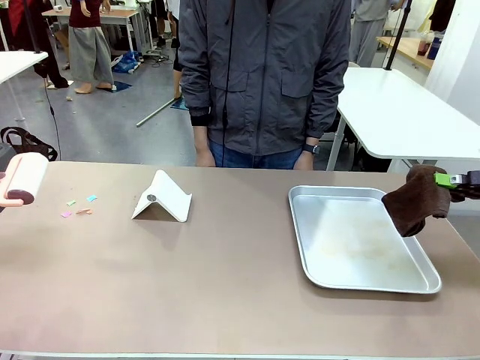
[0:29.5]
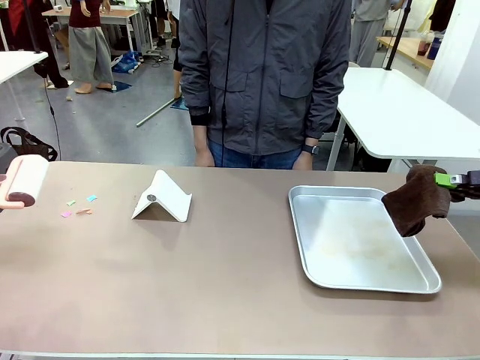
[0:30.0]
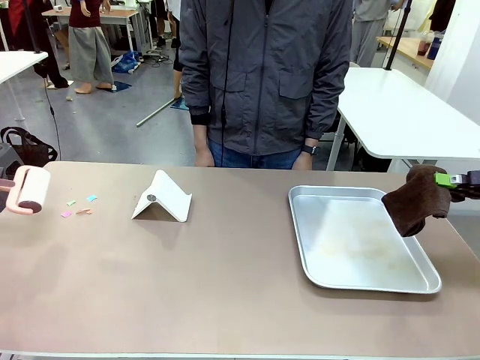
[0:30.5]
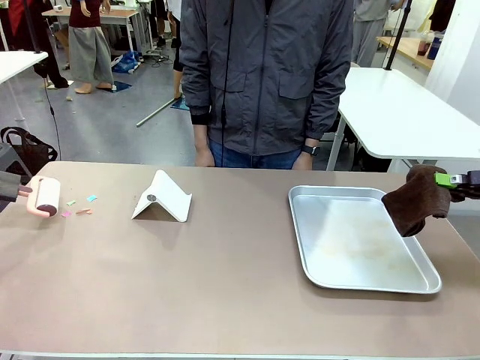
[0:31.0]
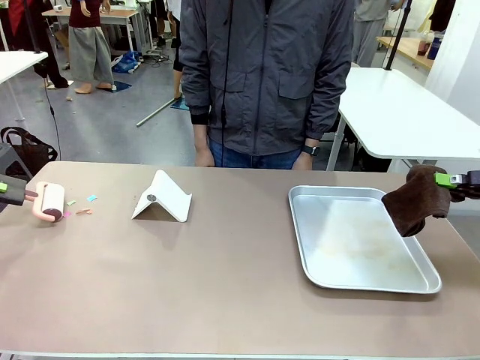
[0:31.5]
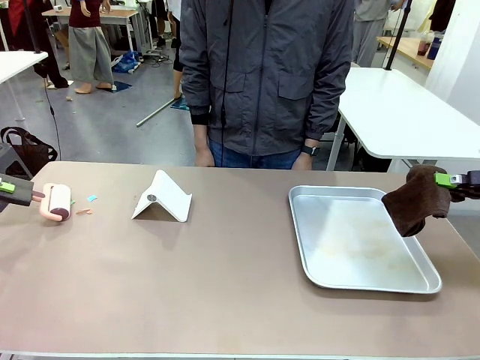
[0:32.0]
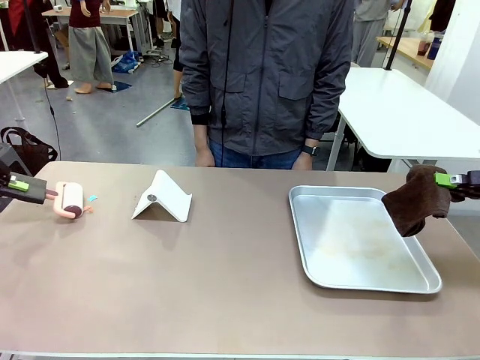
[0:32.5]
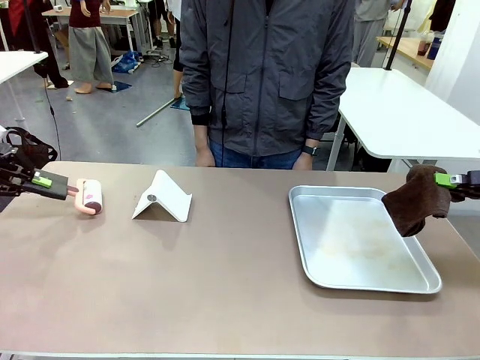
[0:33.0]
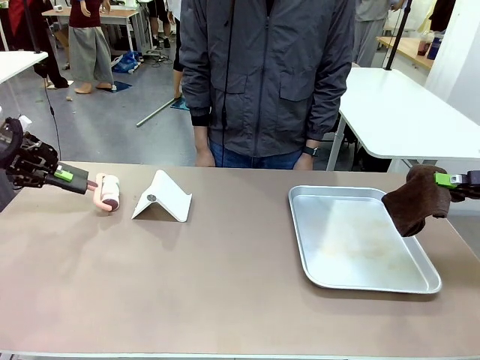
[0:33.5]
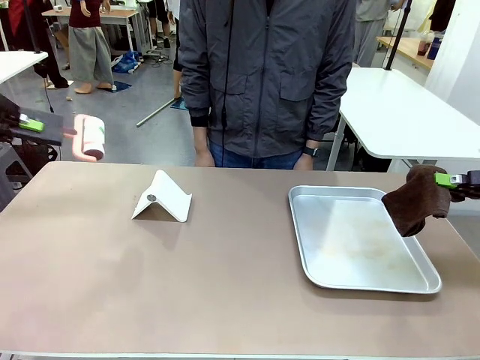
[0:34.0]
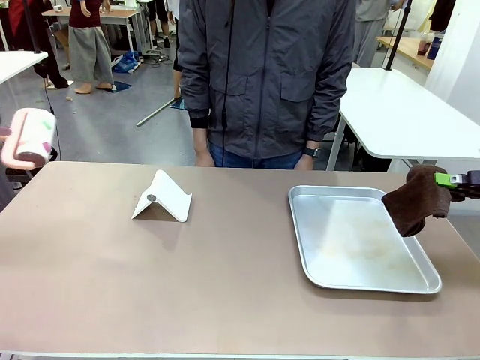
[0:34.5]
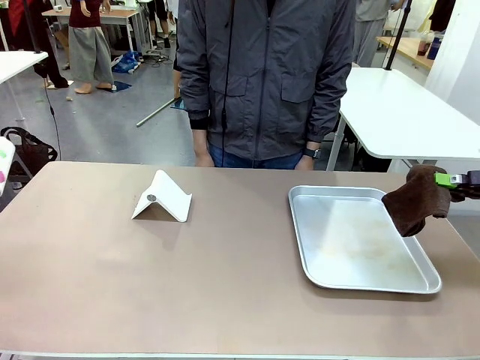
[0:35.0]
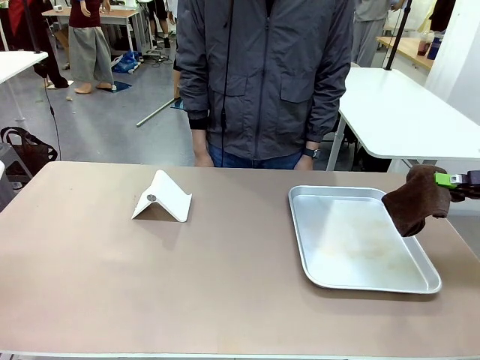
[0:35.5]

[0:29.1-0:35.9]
Task: Clean the surface of the table.
Robot: Clean the area not pointed to by the person.

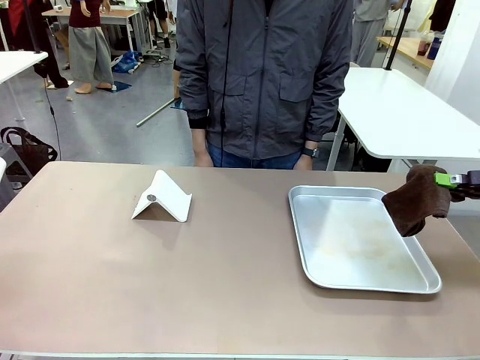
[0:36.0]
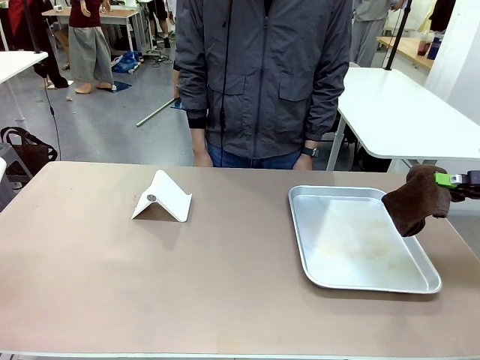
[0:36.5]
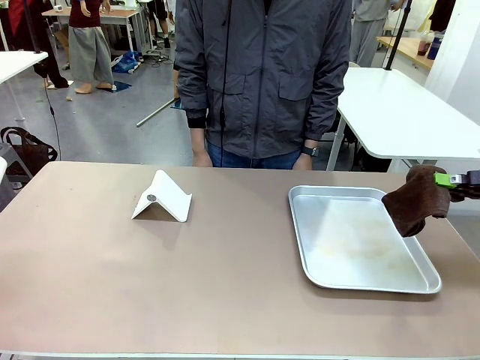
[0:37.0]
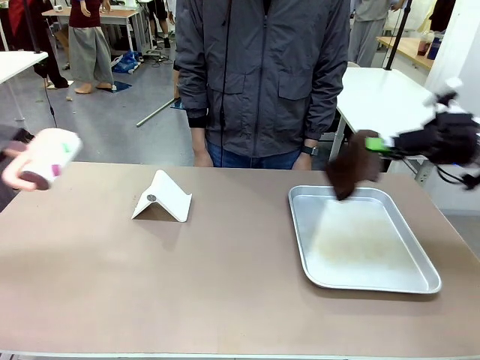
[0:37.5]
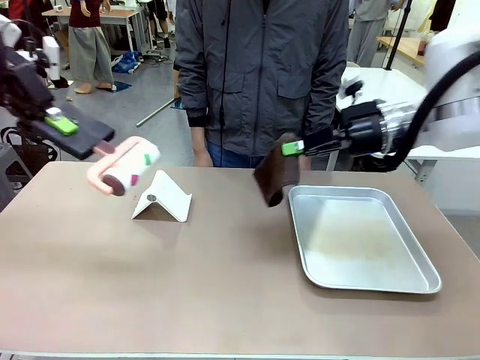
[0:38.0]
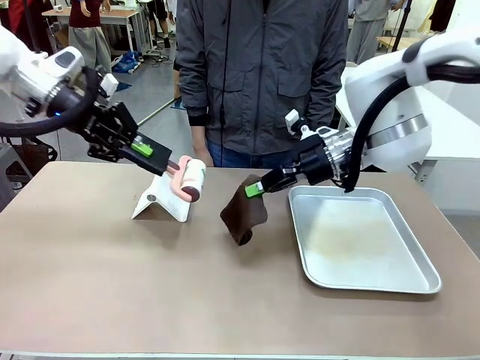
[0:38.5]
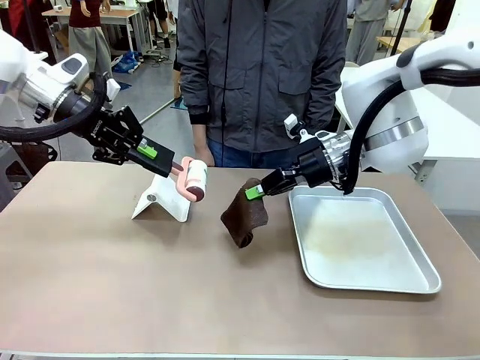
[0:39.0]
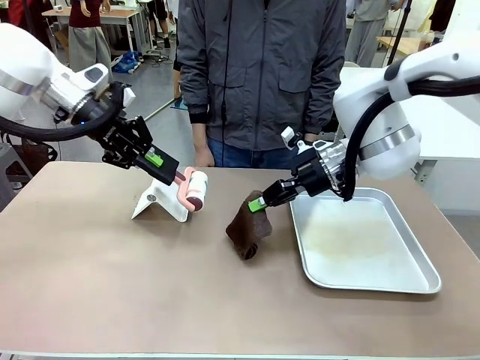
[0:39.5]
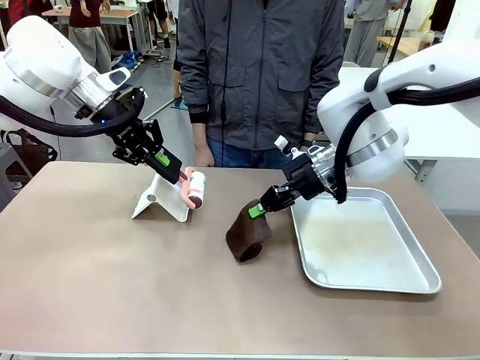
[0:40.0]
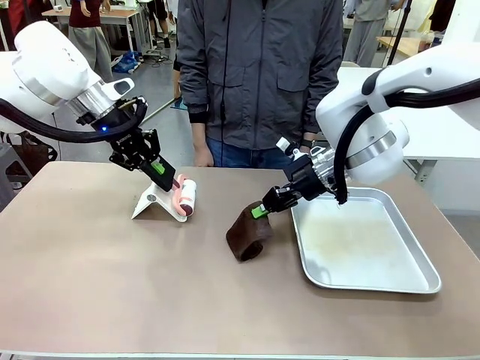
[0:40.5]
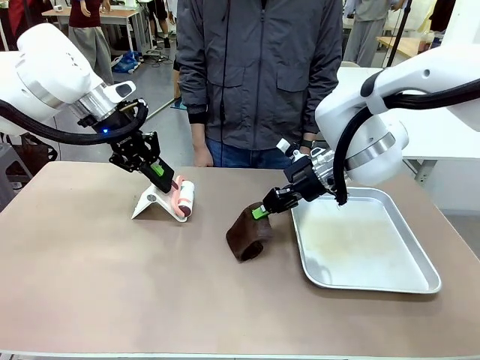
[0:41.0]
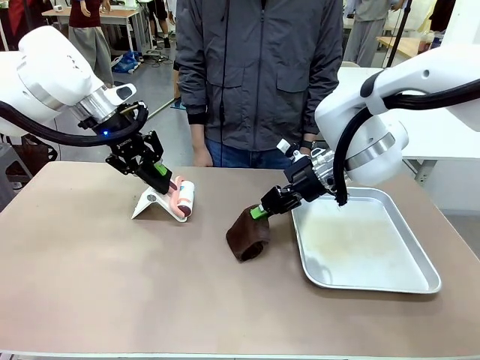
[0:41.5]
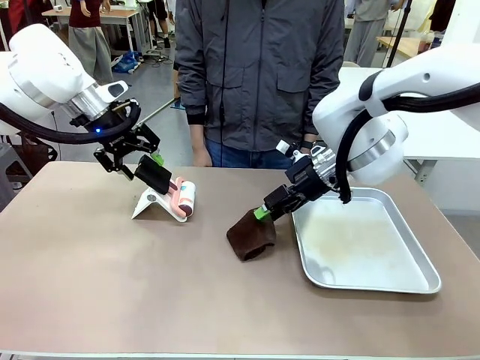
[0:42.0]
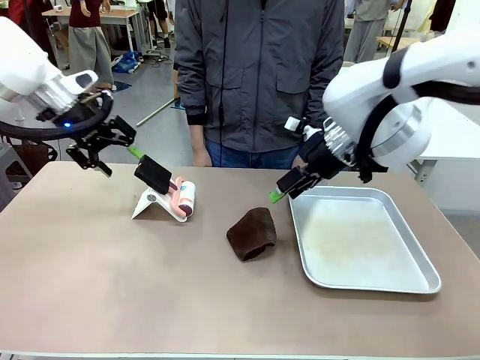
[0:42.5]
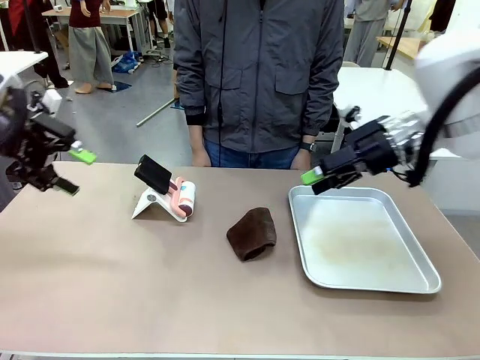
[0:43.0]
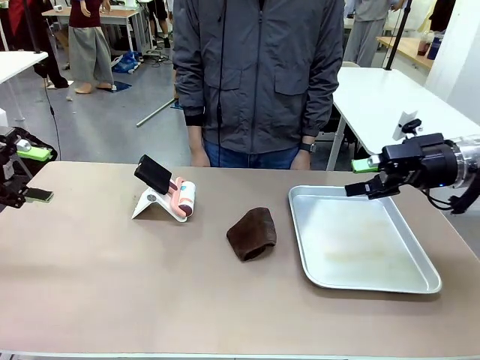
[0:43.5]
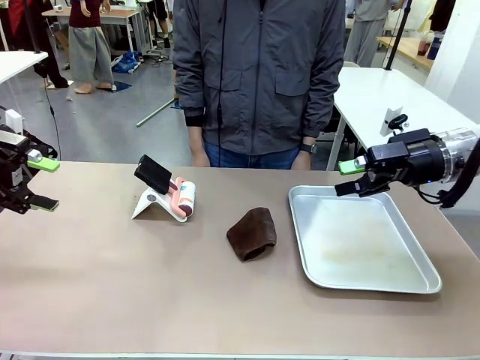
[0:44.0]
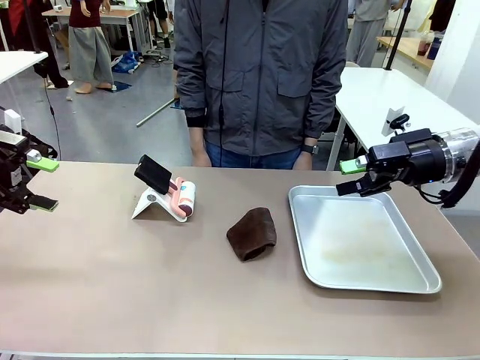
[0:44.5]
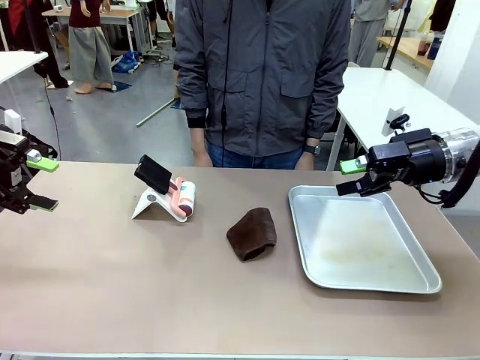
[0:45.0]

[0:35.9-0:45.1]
Robot: Return the Lint Roller and towel to their original positions.

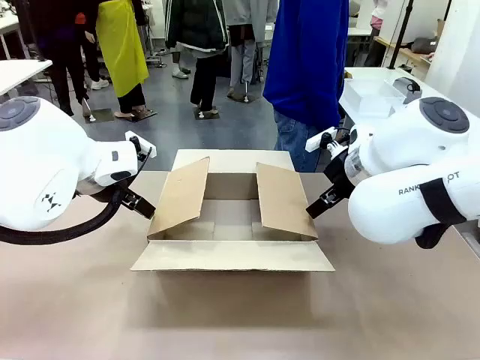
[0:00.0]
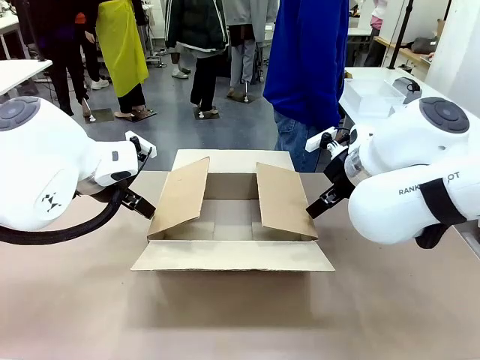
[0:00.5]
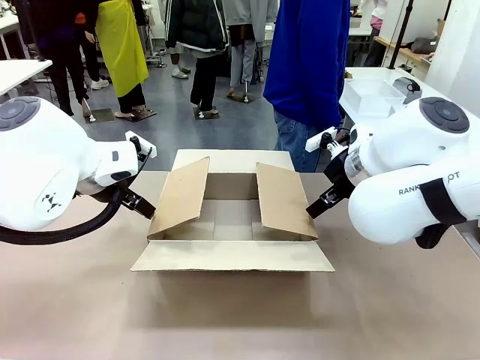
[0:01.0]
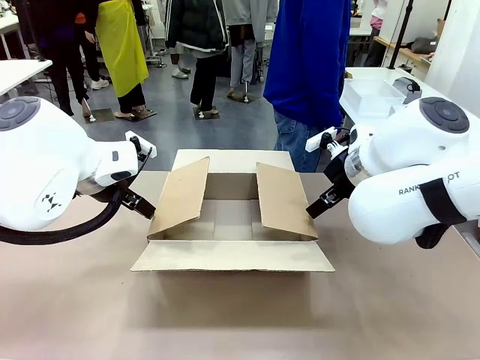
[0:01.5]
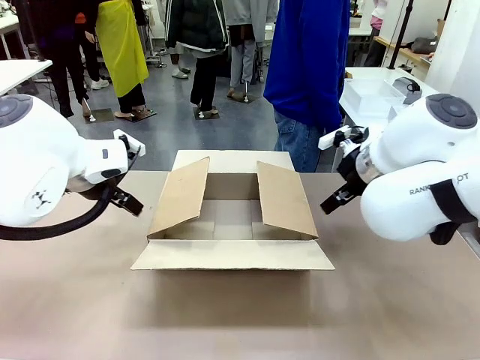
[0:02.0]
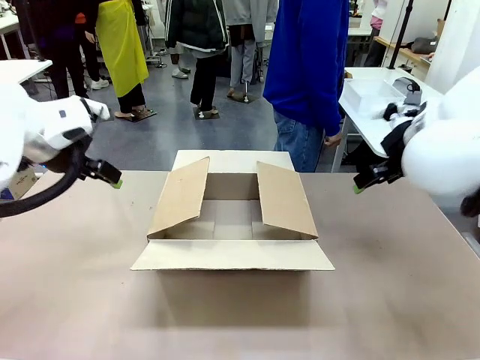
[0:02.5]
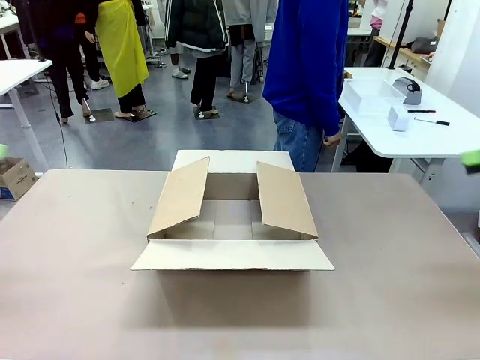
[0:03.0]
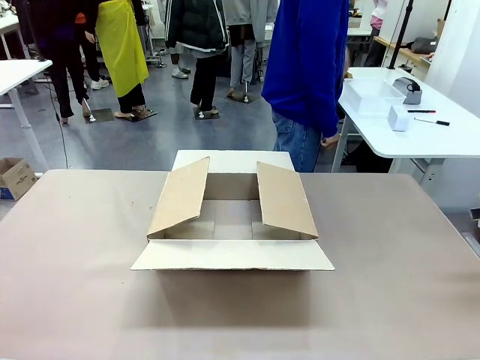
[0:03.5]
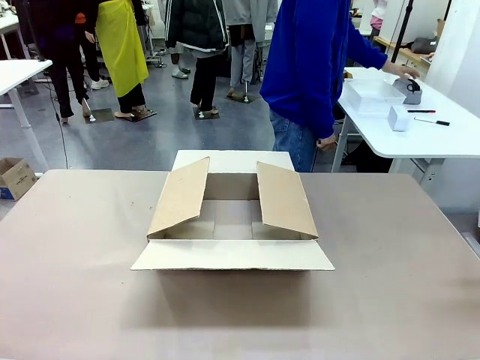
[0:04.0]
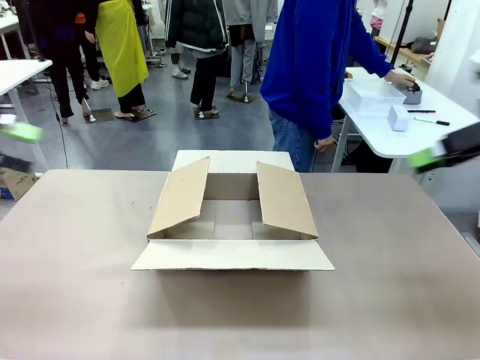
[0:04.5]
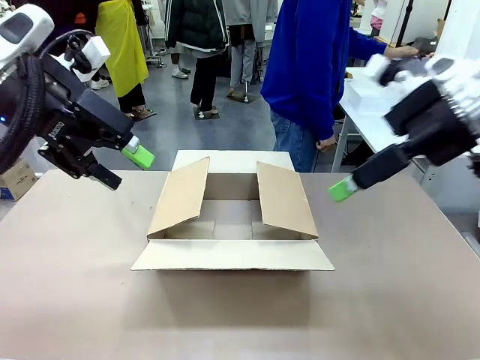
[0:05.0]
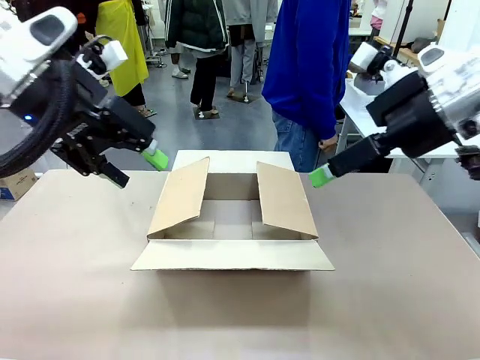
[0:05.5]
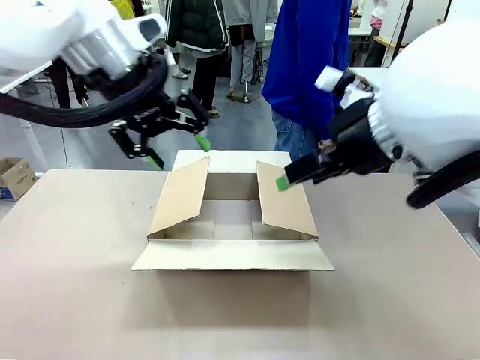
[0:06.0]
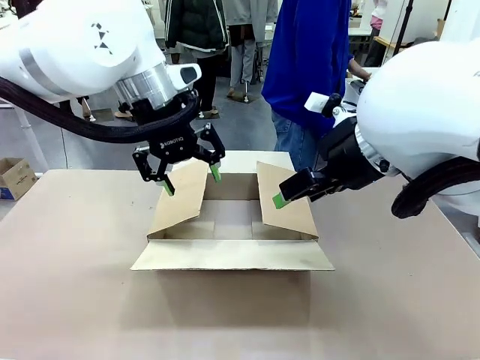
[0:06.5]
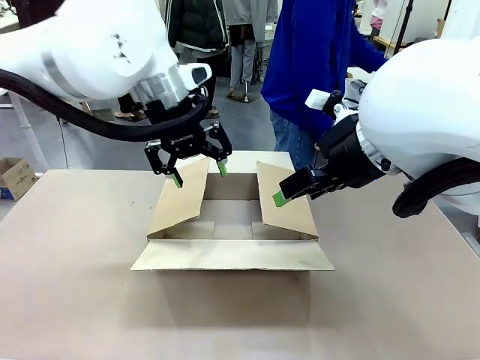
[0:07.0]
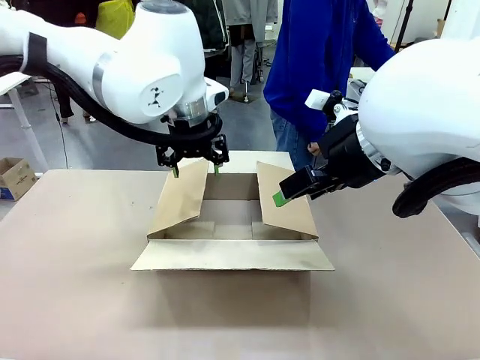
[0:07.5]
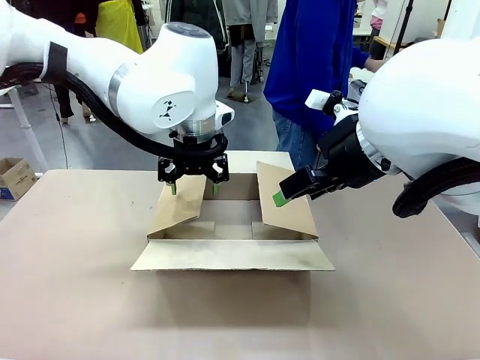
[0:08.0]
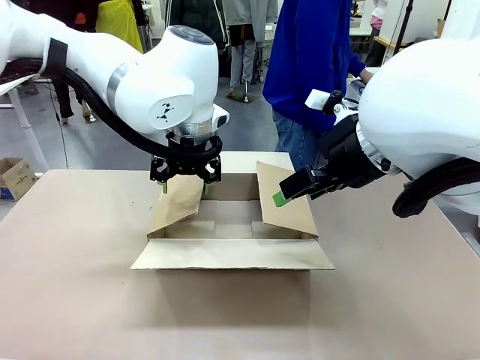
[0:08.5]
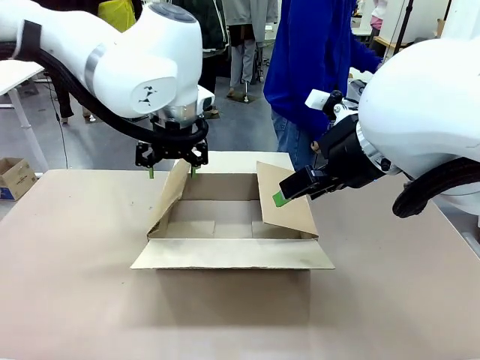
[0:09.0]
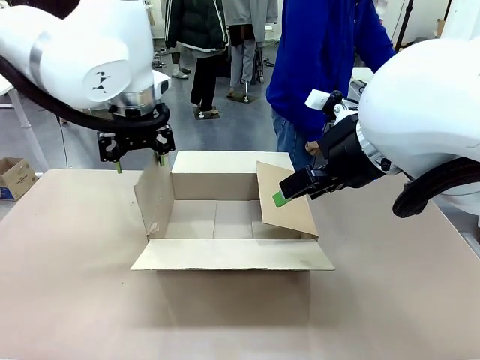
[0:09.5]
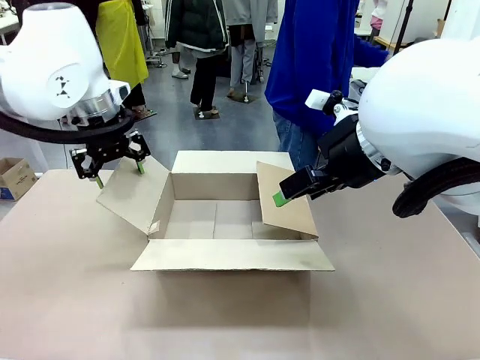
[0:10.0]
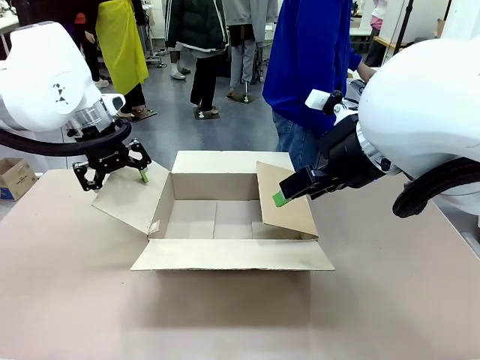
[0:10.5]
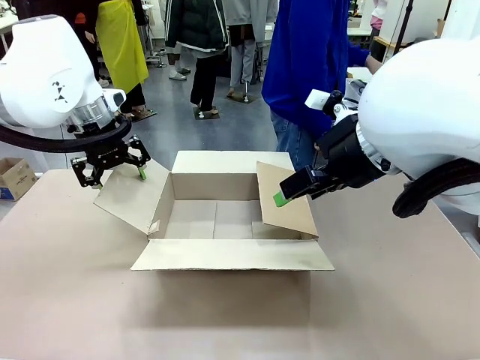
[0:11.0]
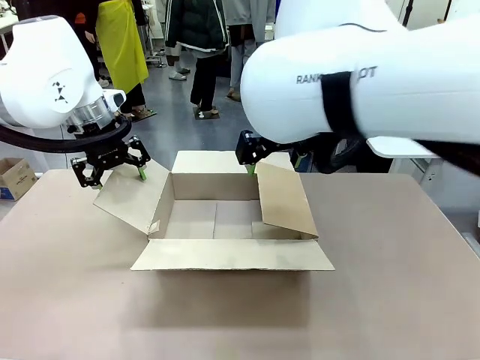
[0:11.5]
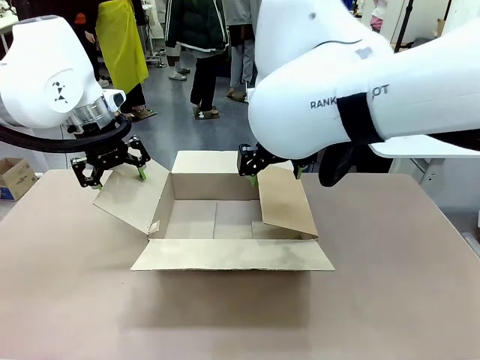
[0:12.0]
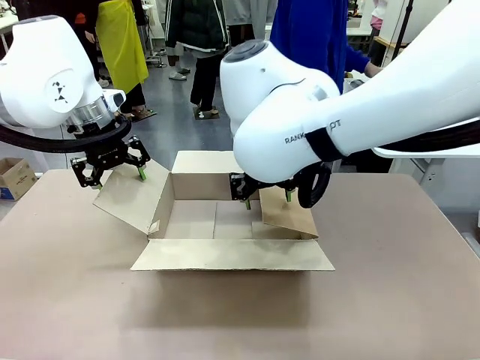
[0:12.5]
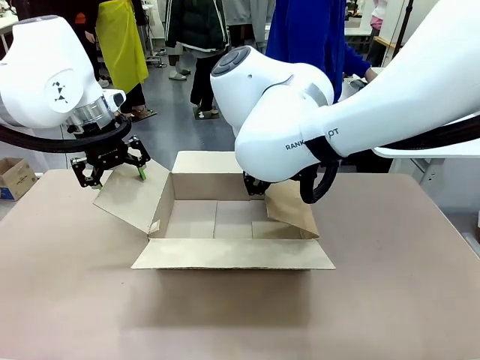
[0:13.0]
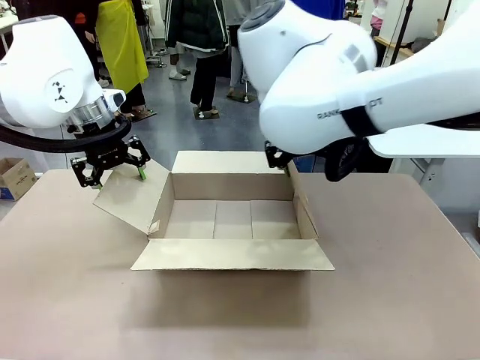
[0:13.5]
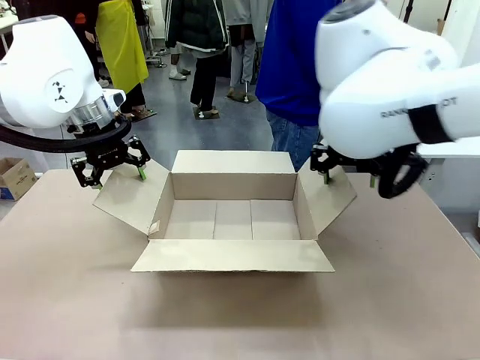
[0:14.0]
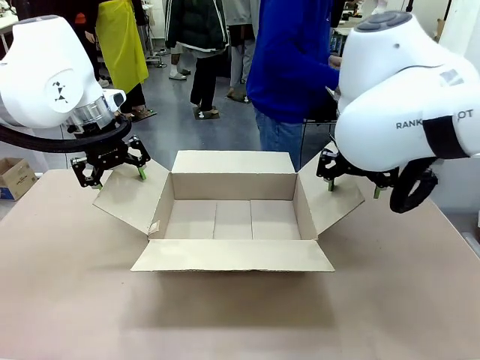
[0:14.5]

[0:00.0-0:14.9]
Task: Pack the gift set into the box.
Robot: Place both hands on the side flaps of the Package Box and spread them outward.
Person: The human places all items except the paper tape into the organizing basket.
